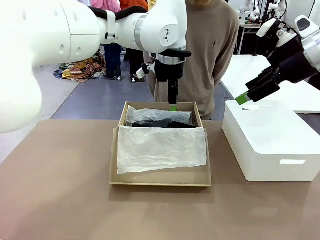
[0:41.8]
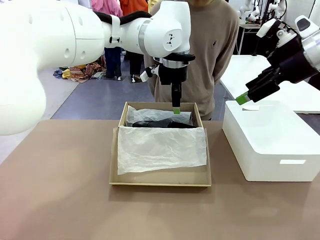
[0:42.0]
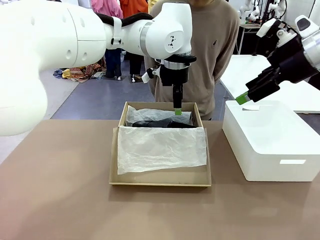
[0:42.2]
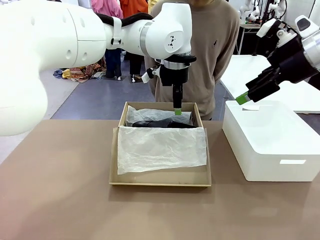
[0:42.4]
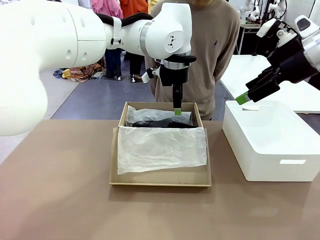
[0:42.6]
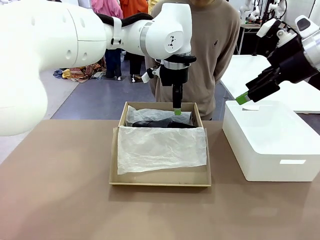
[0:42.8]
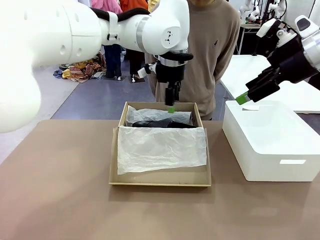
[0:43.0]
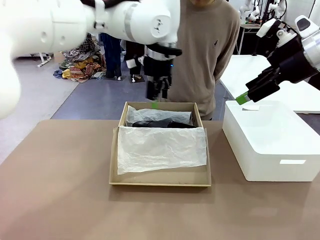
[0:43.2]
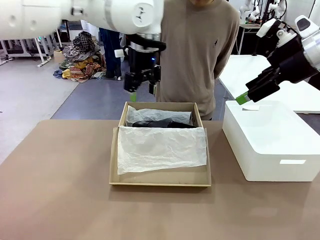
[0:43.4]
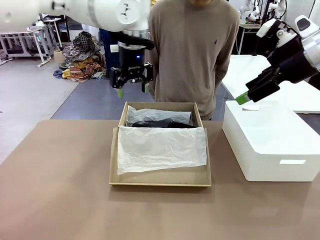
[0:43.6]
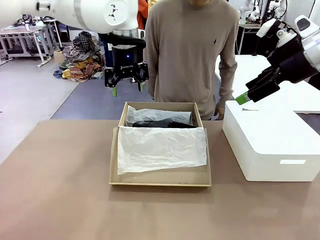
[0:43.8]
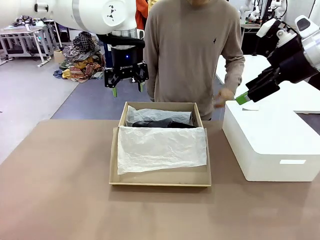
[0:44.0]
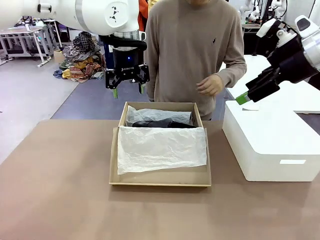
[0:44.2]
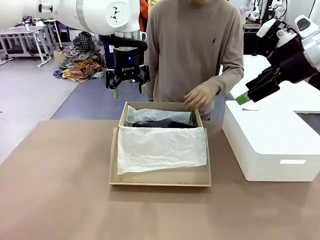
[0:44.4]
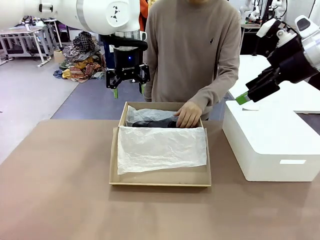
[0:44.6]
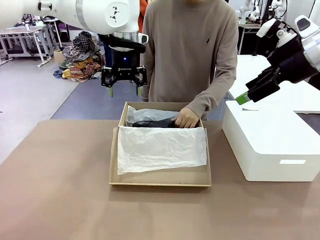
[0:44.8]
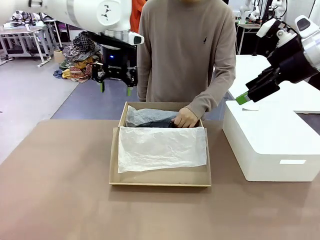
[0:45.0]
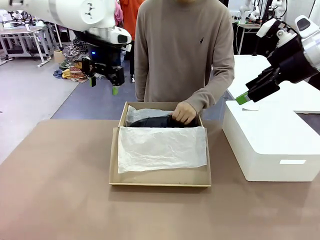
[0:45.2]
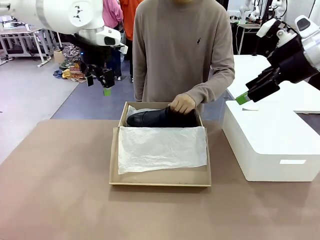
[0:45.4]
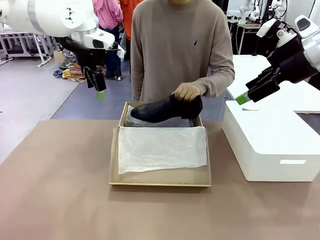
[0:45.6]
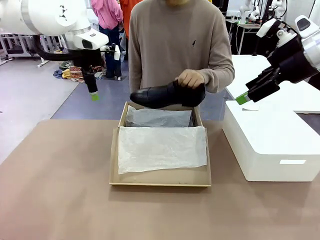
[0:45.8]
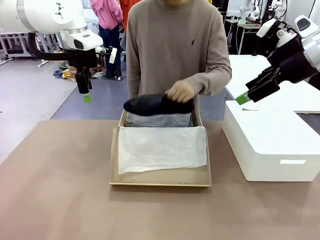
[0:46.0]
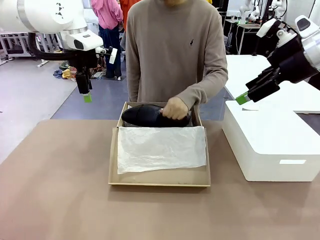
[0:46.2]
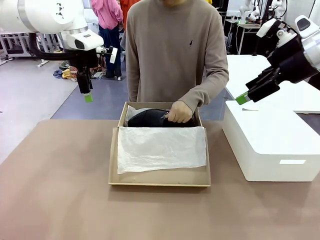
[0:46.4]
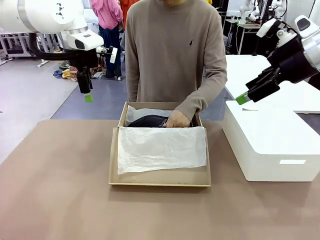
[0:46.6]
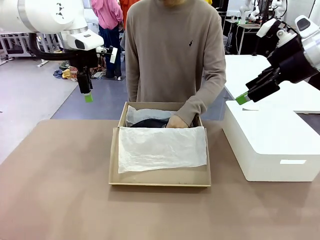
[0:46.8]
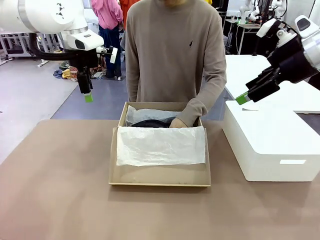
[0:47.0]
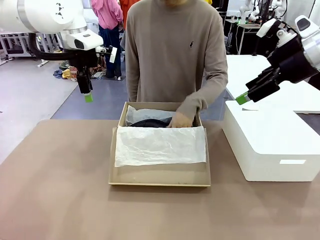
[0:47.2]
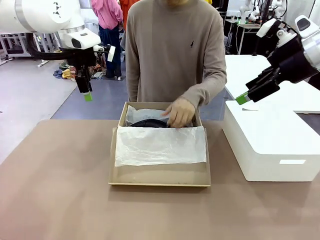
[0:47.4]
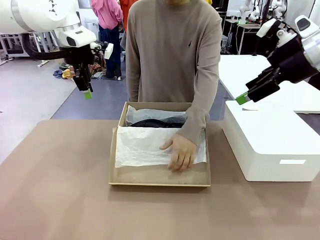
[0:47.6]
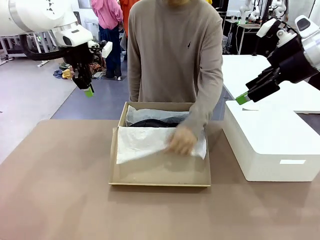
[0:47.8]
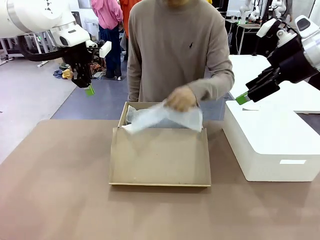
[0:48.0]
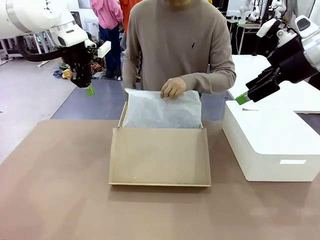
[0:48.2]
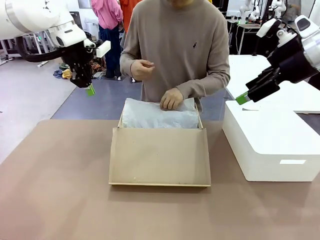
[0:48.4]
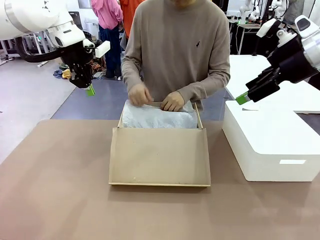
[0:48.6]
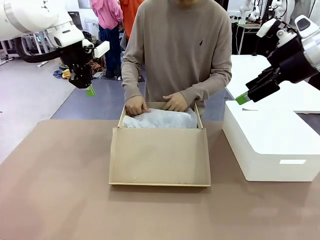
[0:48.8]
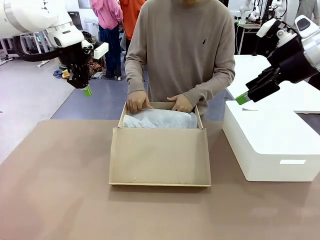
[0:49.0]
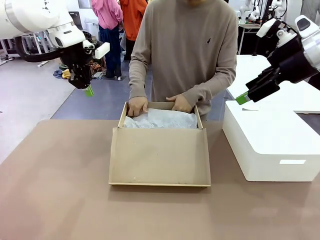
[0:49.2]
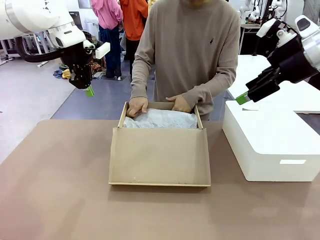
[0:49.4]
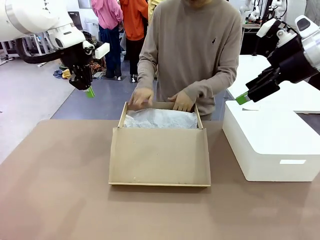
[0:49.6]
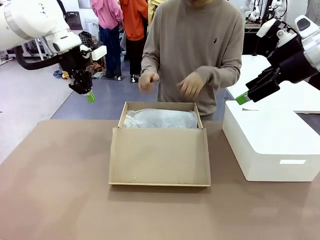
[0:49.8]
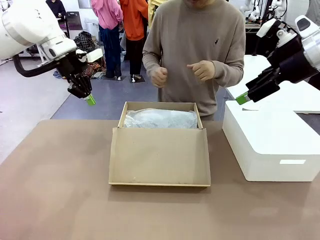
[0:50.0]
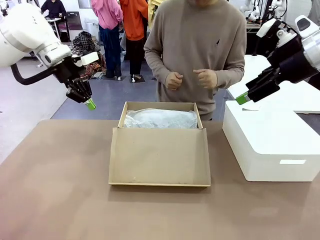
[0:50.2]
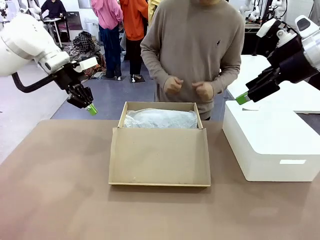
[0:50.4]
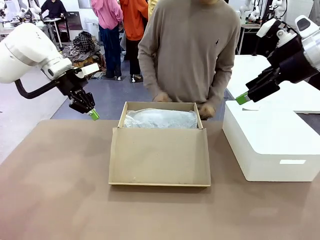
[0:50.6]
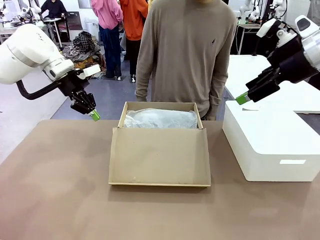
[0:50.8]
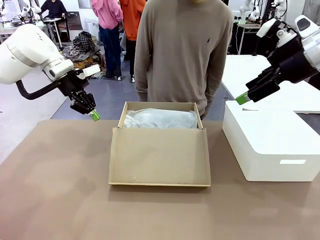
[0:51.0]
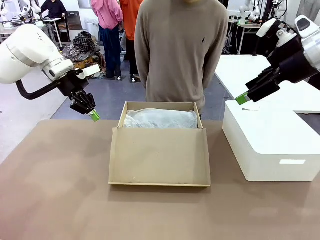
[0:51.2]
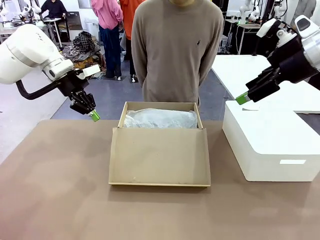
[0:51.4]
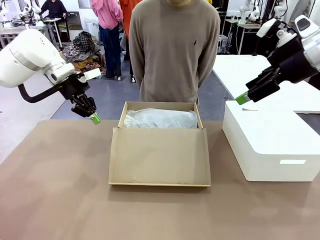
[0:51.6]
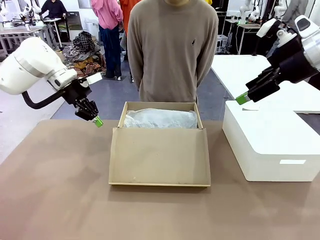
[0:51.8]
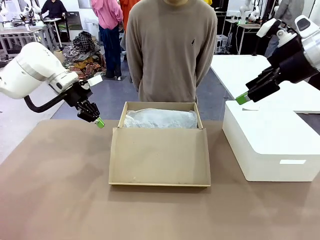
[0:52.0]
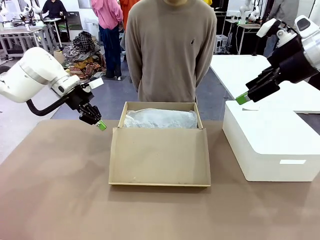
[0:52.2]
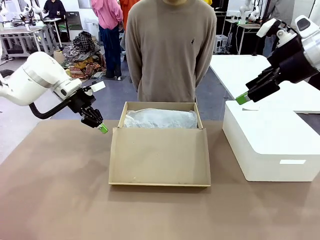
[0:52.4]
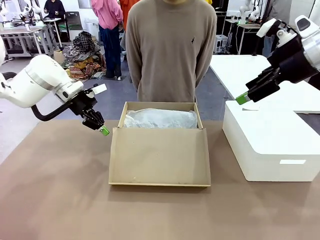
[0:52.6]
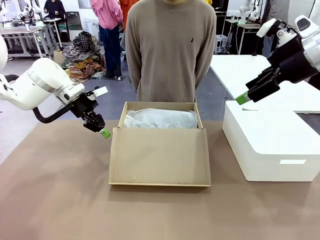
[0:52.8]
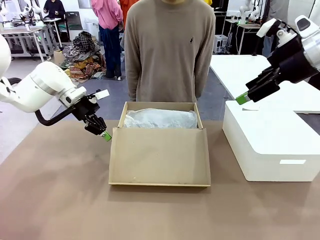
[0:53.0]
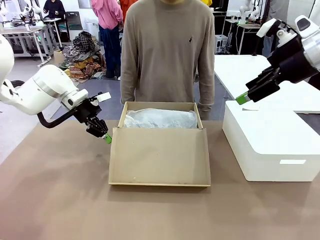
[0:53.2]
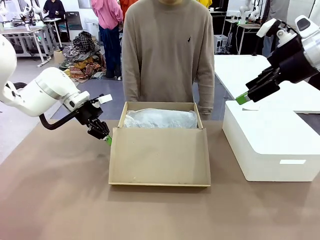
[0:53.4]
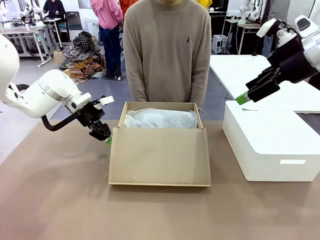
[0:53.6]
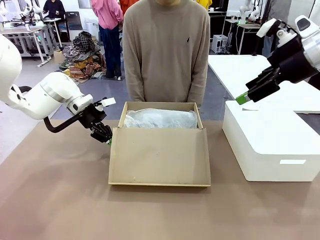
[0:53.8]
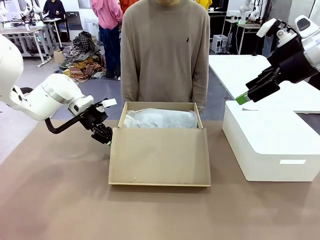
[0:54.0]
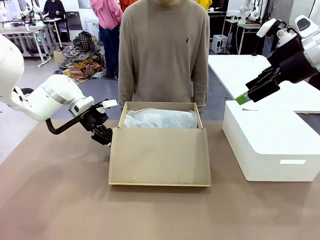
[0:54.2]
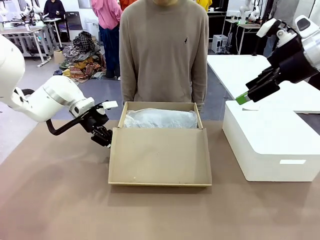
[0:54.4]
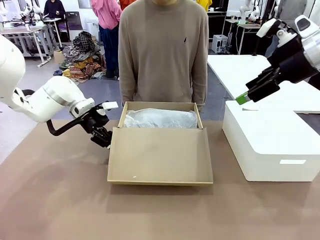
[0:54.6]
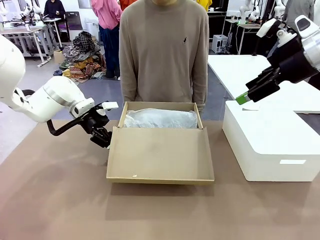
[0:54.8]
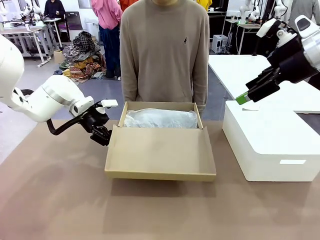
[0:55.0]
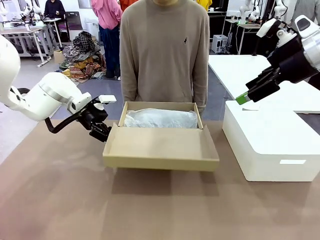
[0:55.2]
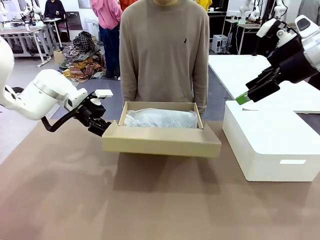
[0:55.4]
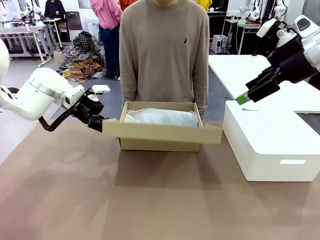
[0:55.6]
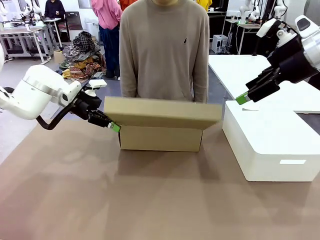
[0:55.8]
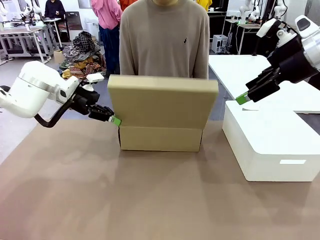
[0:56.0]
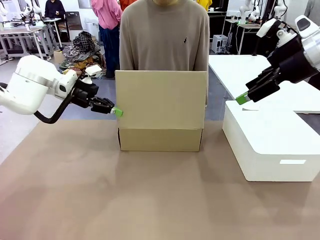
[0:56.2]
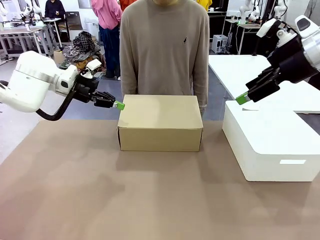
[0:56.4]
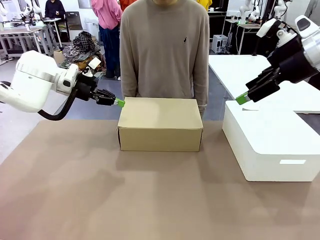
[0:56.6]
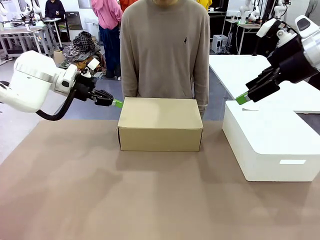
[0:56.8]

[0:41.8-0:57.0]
Task: Pack the shoes into the box.
Robot: Close the Shoes Box.
